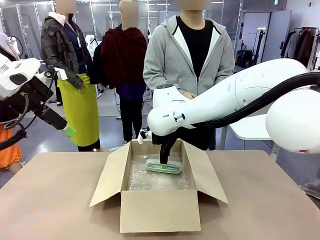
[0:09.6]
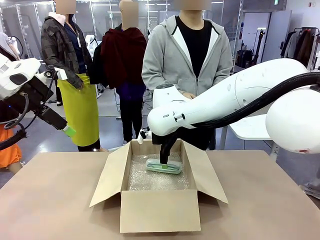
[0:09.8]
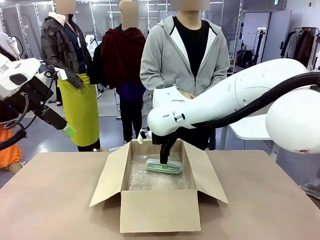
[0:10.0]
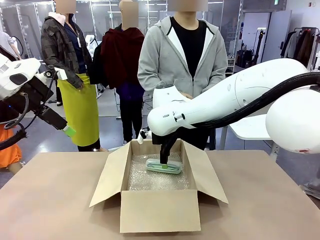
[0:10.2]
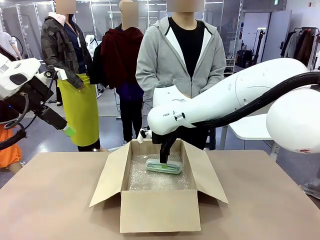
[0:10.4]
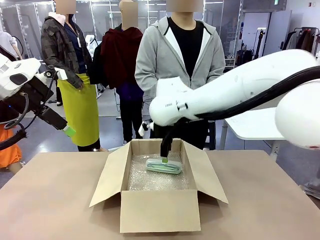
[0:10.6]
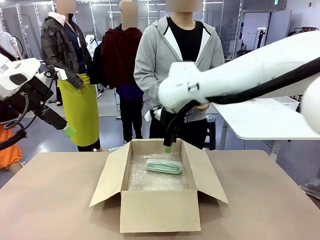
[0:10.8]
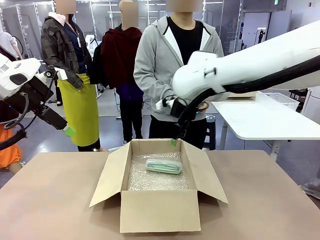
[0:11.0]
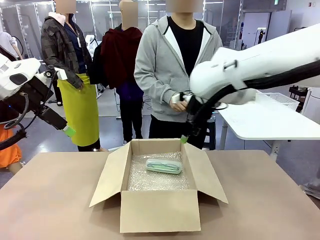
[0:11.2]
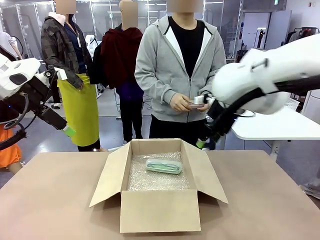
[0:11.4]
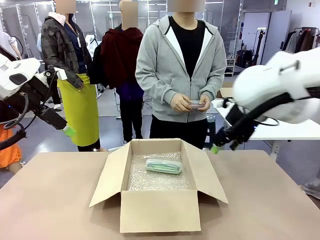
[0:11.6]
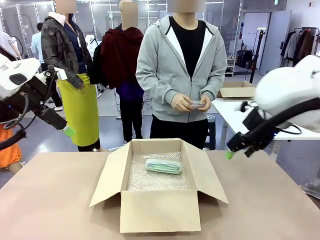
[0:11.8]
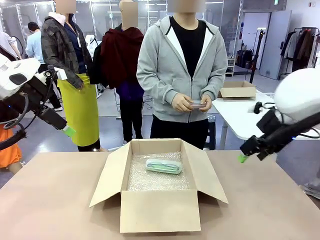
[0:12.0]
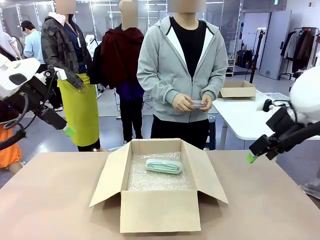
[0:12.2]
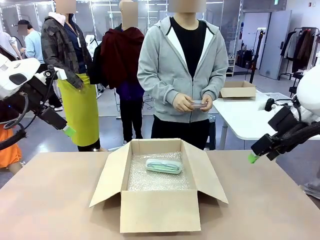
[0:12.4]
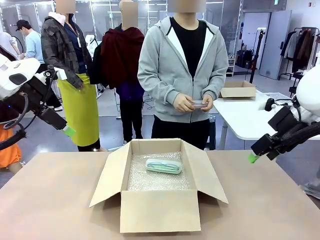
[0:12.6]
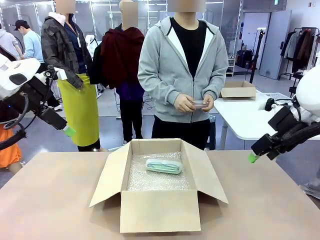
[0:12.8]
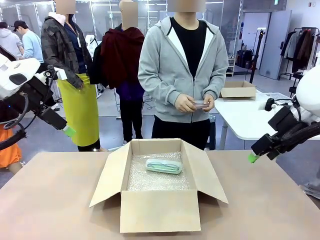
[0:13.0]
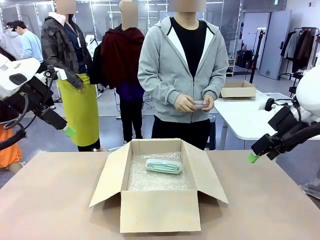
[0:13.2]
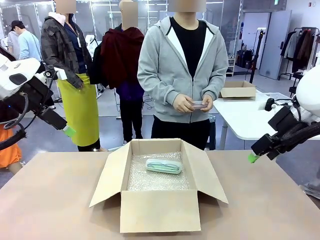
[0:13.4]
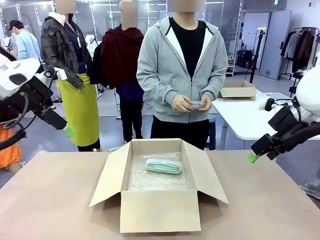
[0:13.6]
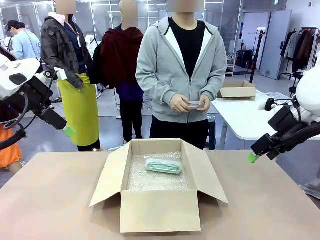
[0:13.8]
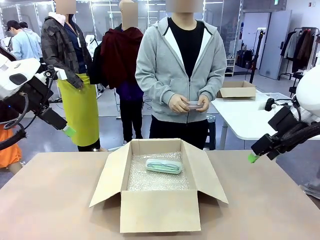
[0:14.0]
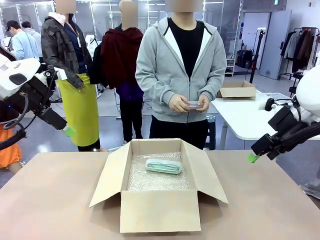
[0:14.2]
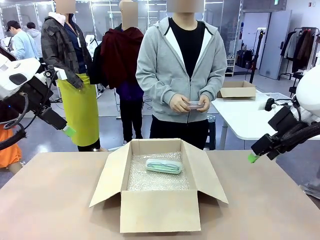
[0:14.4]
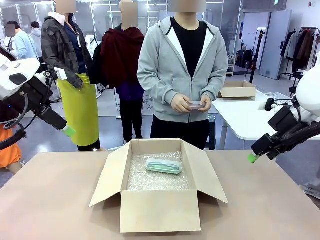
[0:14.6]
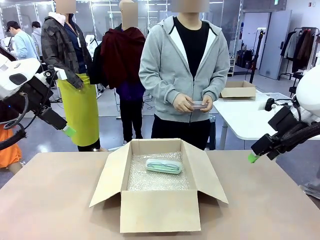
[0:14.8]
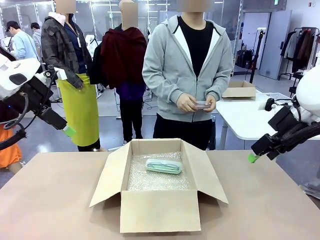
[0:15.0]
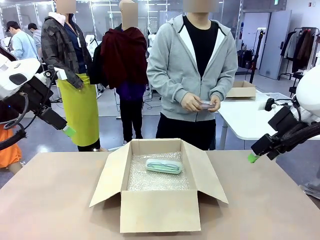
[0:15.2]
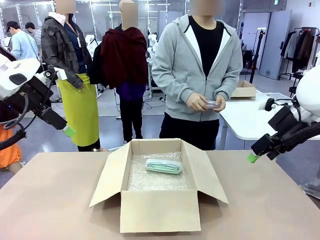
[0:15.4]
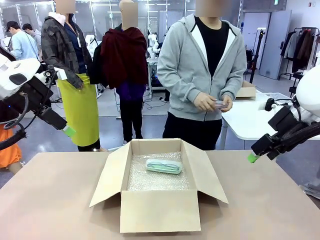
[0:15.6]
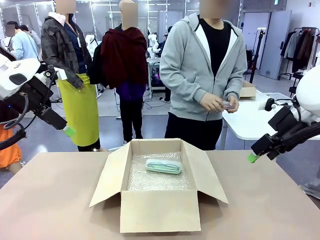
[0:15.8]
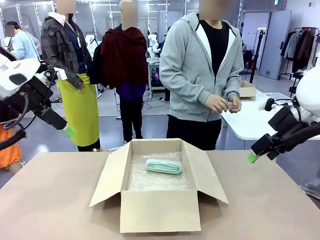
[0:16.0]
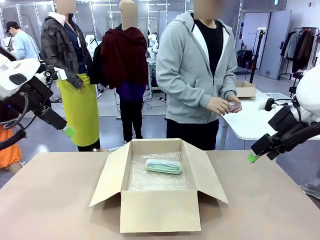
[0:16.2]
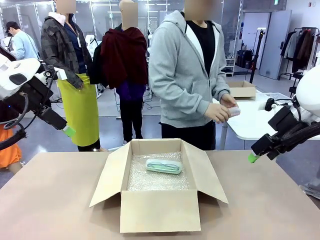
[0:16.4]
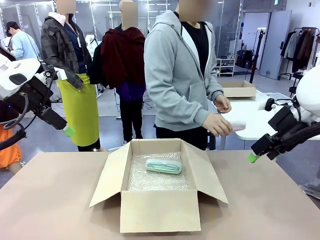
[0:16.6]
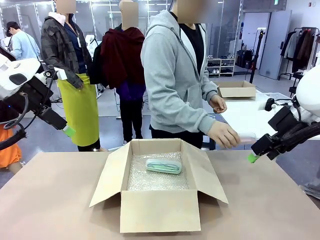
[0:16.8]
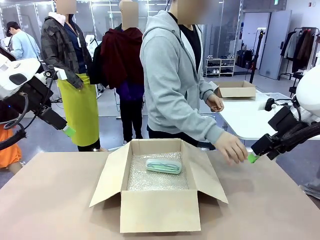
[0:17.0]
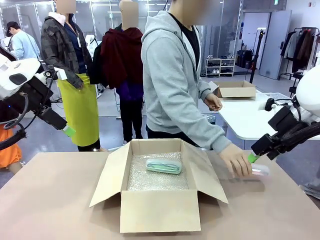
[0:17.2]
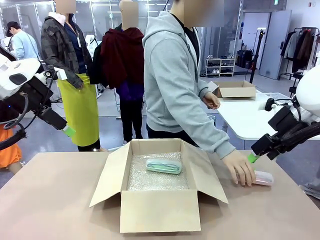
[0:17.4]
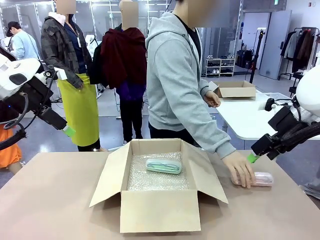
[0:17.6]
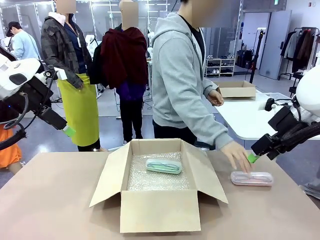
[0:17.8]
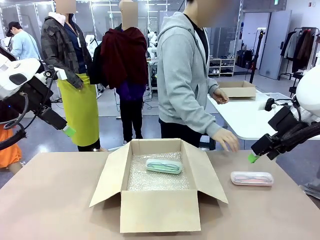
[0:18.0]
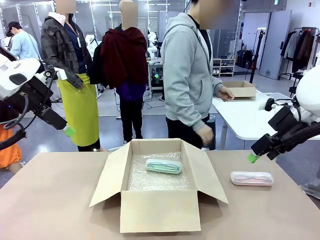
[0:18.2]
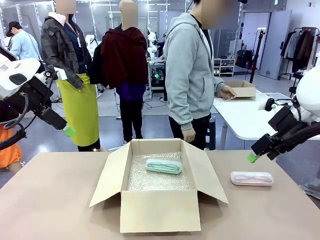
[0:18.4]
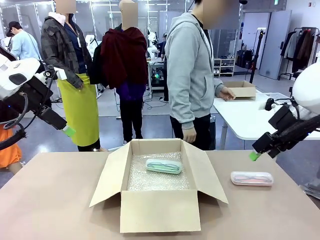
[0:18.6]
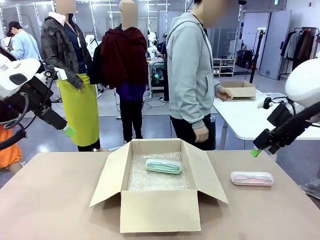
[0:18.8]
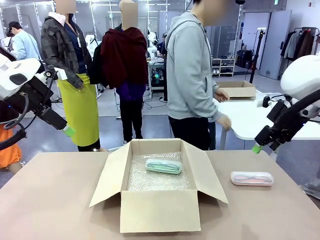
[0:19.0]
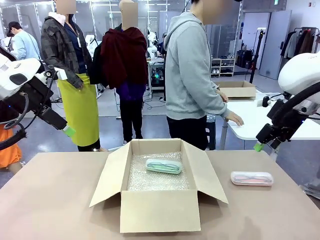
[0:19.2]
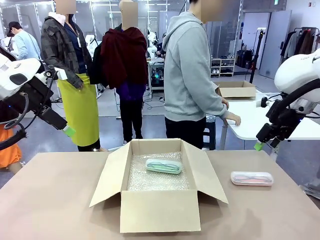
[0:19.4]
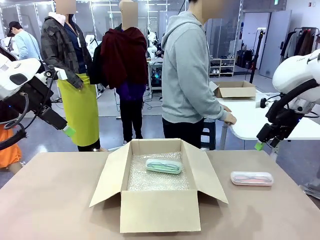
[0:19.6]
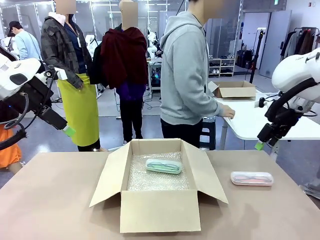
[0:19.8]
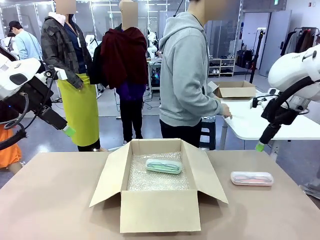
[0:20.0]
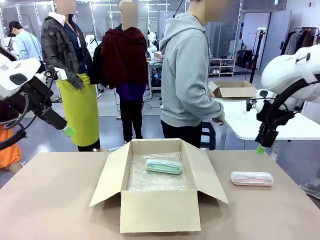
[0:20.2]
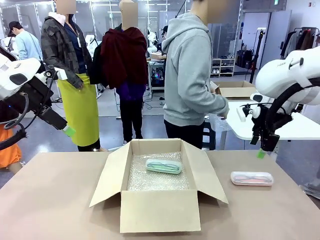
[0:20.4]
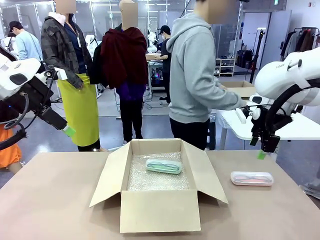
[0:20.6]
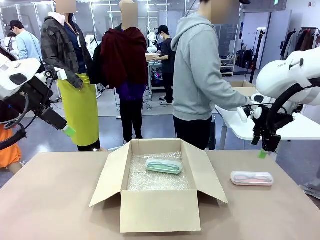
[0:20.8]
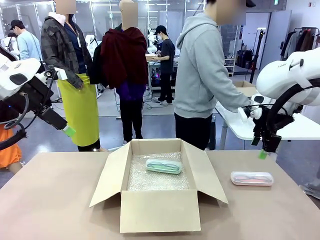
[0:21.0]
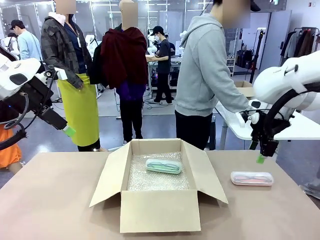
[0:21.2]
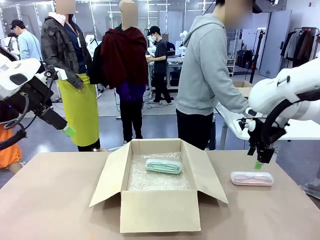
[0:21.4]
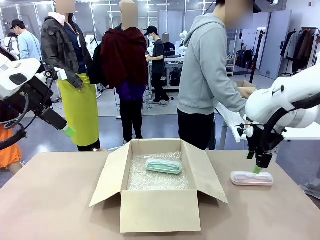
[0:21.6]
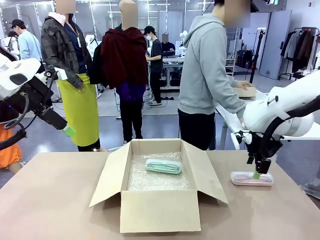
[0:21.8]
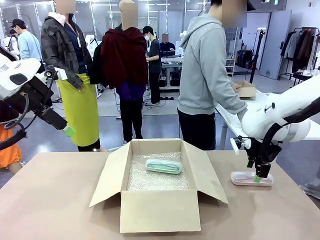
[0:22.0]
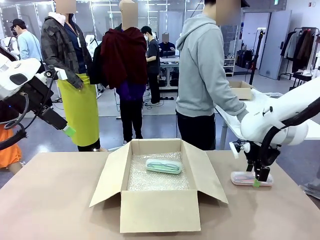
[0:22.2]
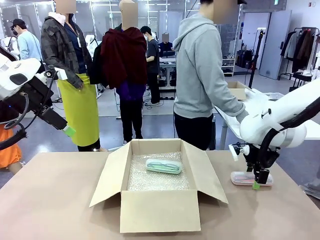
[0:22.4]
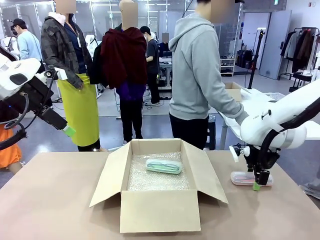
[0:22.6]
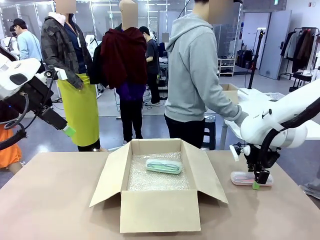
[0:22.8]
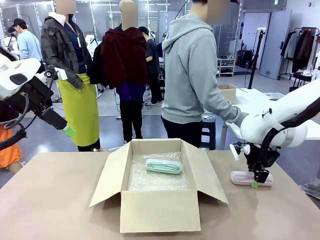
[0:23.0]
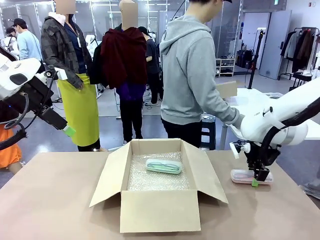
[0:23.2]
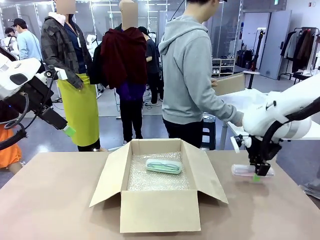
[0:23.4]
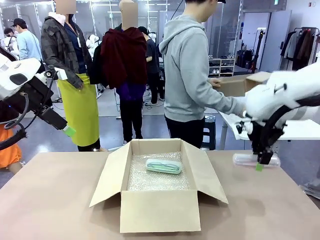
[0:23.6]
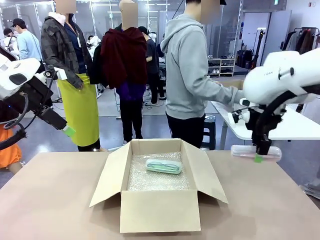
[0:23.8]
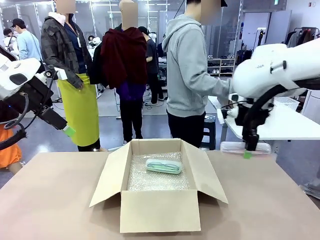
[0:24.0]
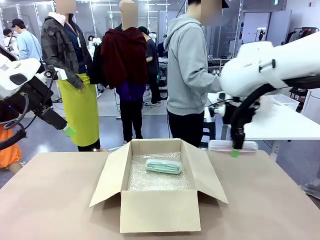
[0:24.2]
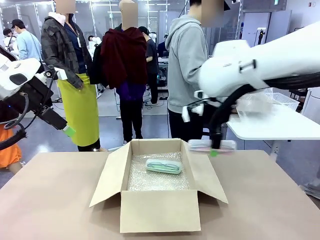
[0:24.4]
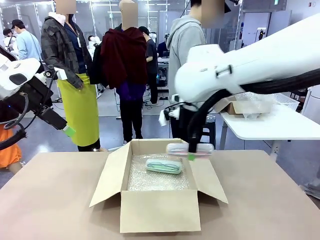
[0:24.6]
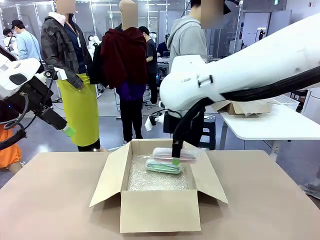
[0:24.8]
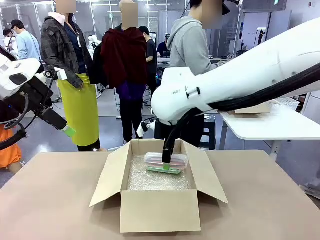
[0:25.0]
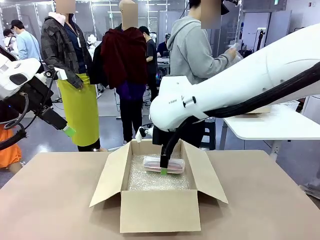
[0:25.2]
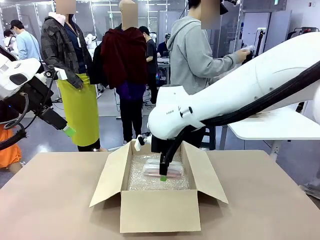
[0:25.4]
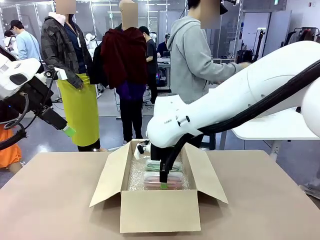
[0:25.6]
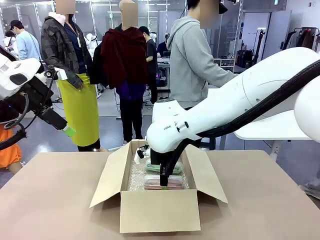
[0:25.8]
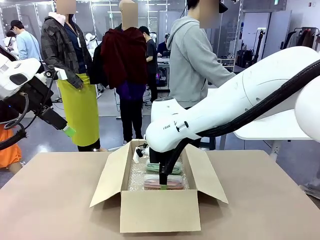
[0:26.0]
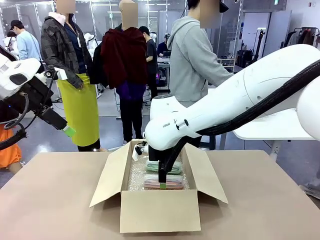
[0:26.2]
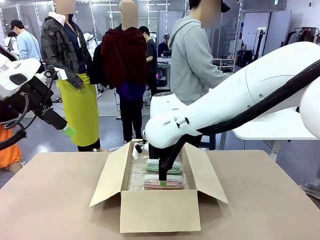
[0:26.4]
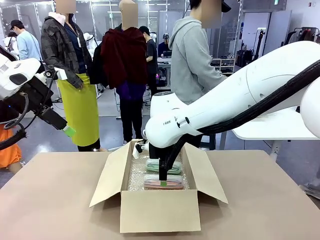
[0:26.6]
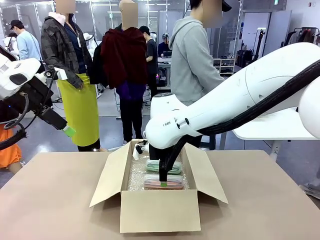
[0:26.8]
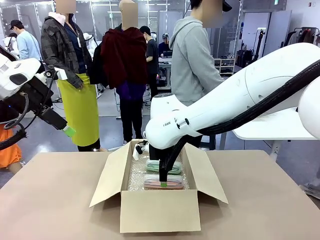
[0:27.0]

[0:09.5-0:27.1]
Task: Pack the glasses set securely to prepare it for shipping.
Robot: Put the Glasses case from the right side of the table into the Package Box.
Person: Position the Glasses case on the left side of the robot's table.
